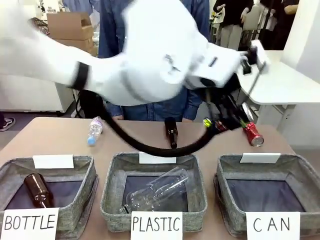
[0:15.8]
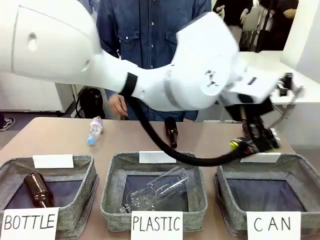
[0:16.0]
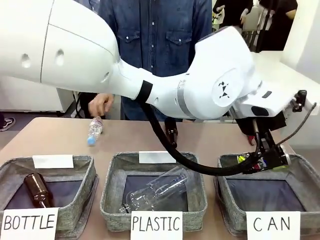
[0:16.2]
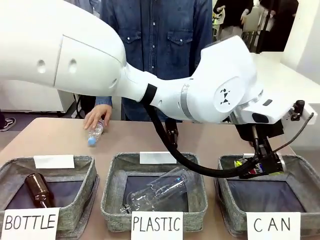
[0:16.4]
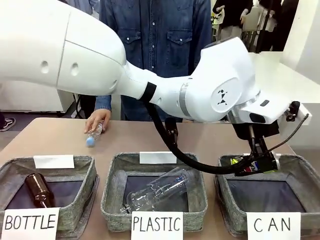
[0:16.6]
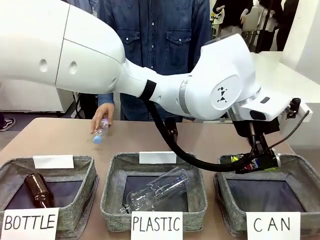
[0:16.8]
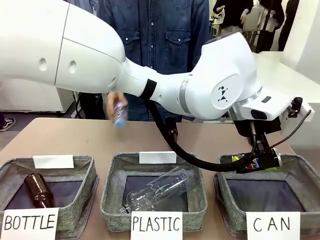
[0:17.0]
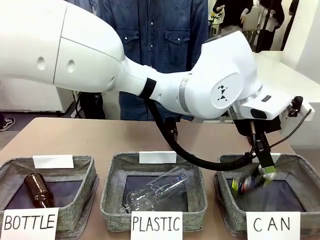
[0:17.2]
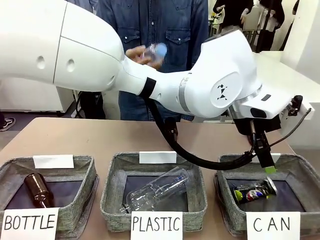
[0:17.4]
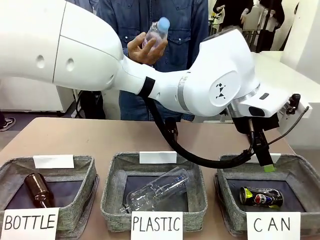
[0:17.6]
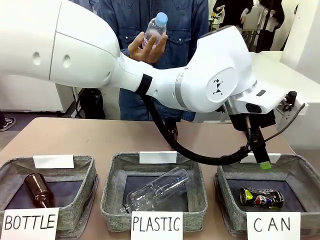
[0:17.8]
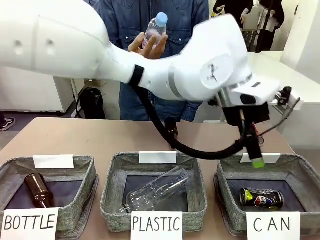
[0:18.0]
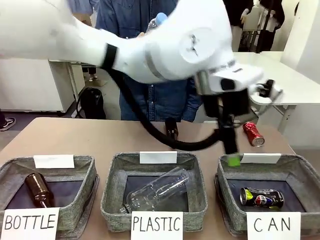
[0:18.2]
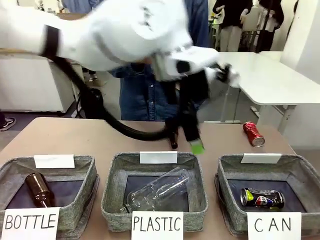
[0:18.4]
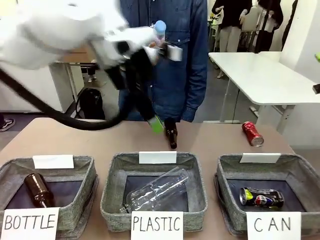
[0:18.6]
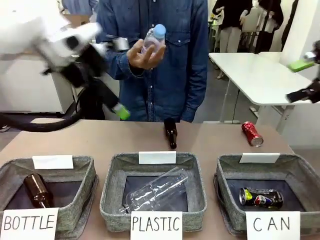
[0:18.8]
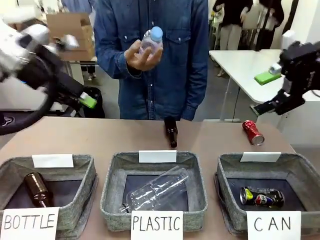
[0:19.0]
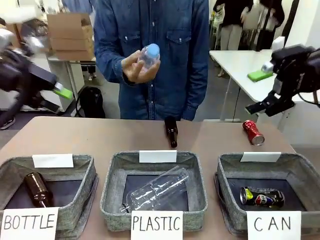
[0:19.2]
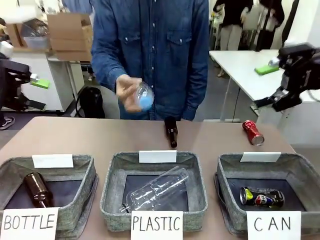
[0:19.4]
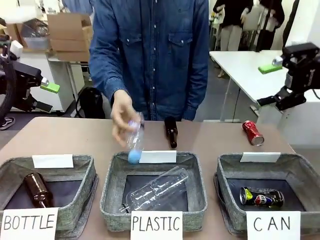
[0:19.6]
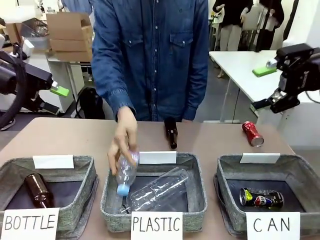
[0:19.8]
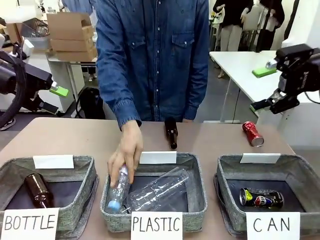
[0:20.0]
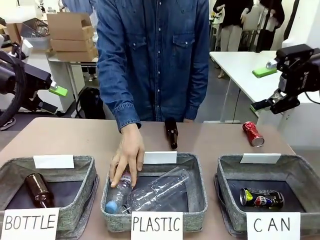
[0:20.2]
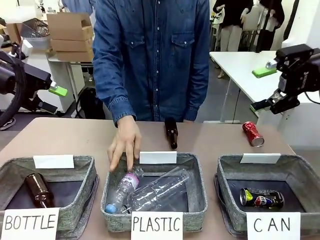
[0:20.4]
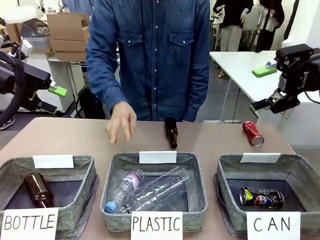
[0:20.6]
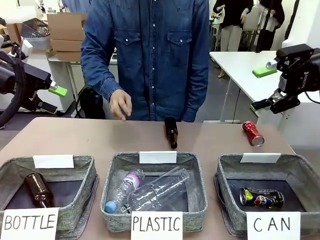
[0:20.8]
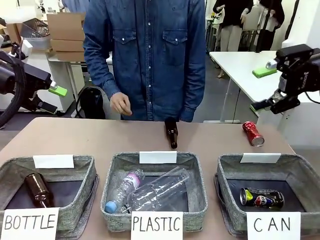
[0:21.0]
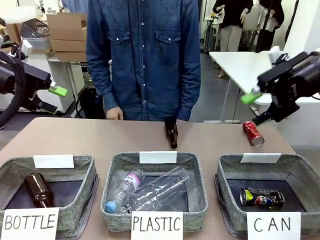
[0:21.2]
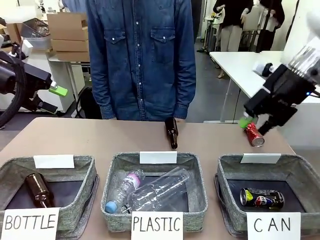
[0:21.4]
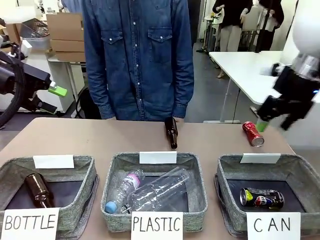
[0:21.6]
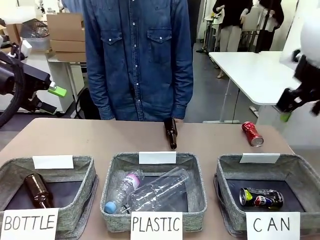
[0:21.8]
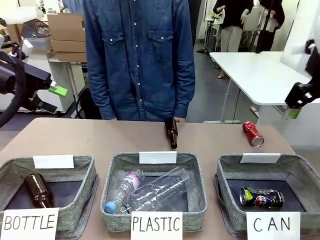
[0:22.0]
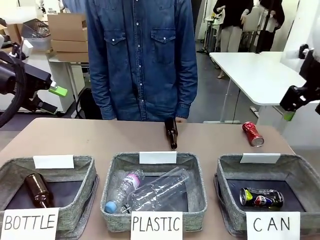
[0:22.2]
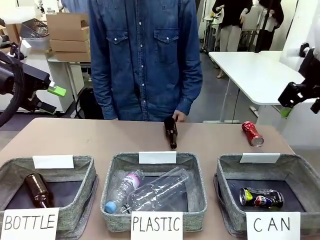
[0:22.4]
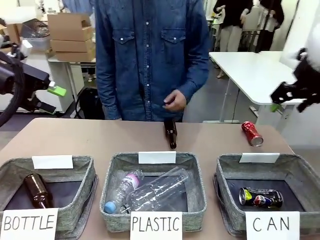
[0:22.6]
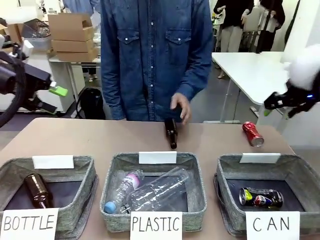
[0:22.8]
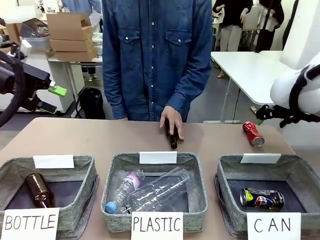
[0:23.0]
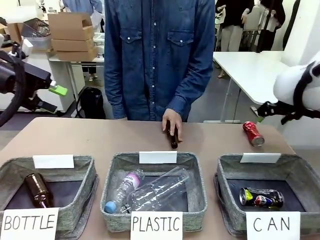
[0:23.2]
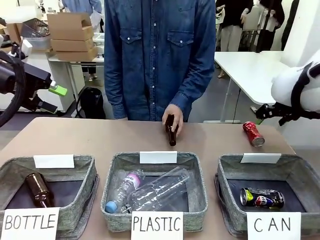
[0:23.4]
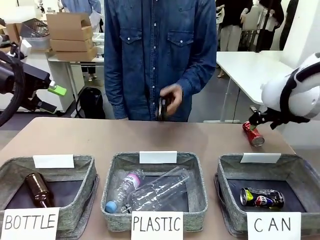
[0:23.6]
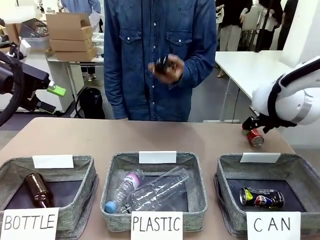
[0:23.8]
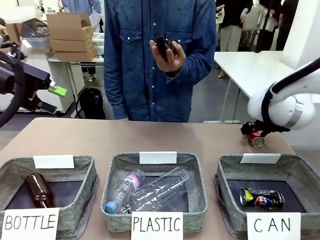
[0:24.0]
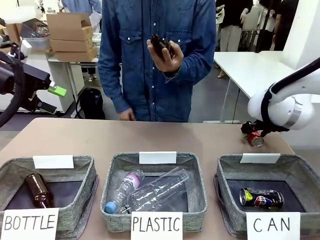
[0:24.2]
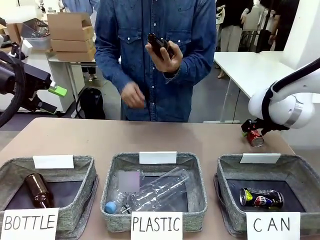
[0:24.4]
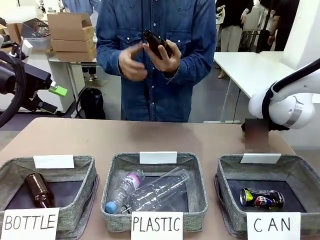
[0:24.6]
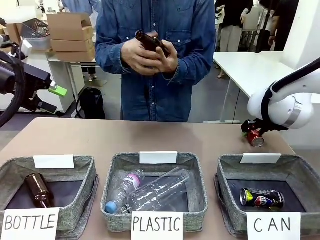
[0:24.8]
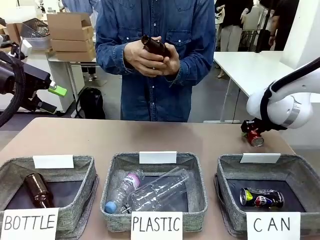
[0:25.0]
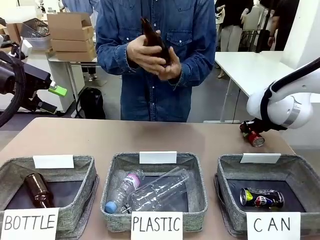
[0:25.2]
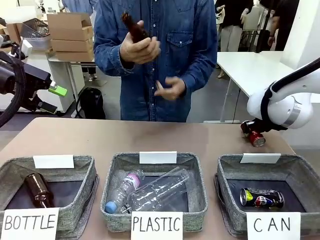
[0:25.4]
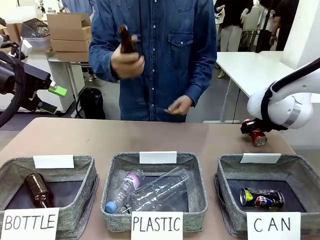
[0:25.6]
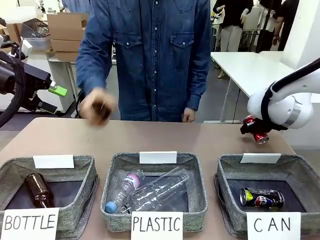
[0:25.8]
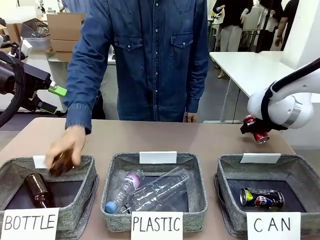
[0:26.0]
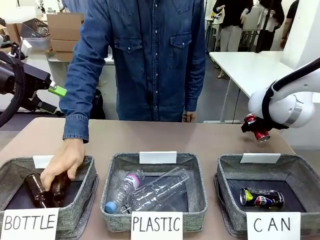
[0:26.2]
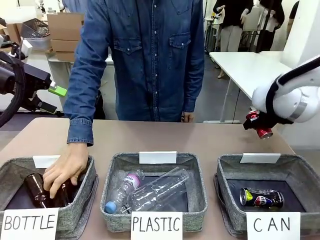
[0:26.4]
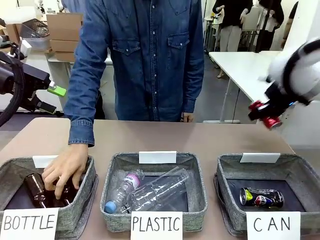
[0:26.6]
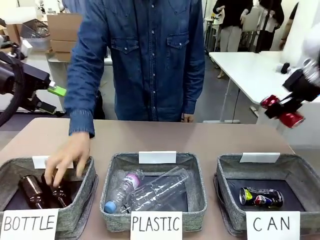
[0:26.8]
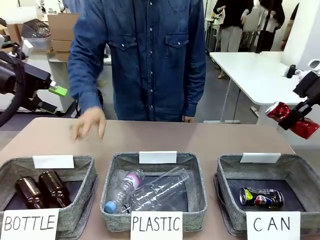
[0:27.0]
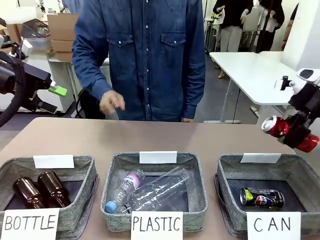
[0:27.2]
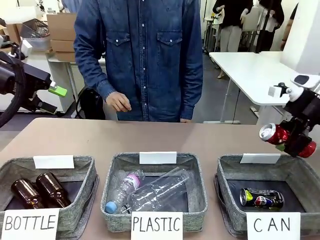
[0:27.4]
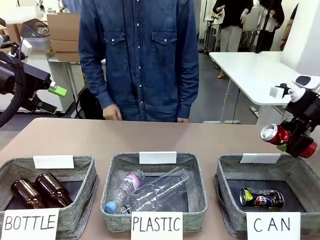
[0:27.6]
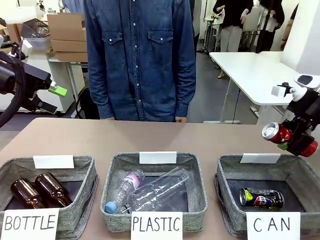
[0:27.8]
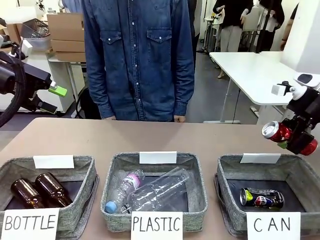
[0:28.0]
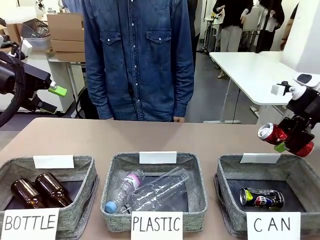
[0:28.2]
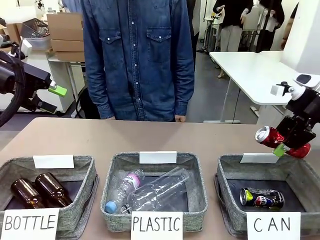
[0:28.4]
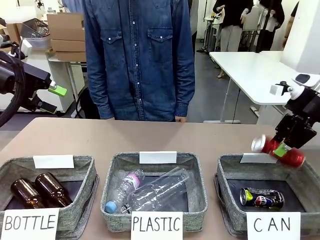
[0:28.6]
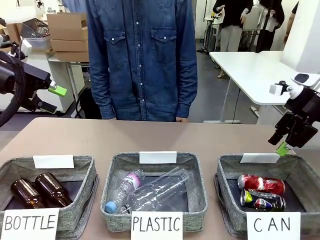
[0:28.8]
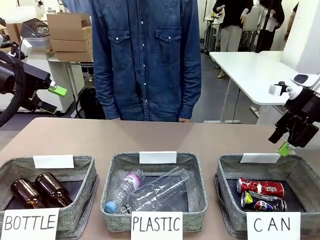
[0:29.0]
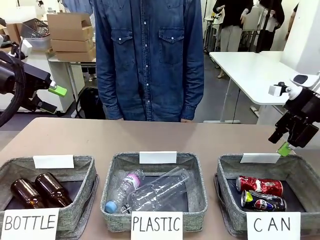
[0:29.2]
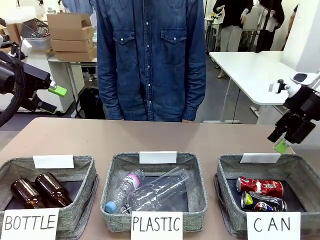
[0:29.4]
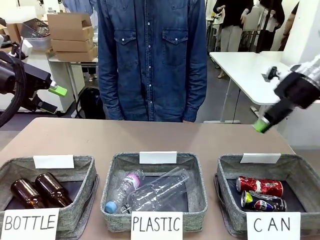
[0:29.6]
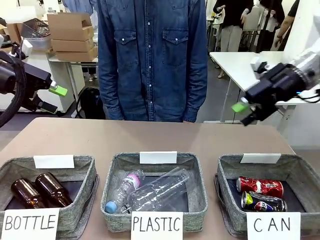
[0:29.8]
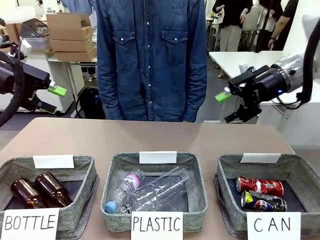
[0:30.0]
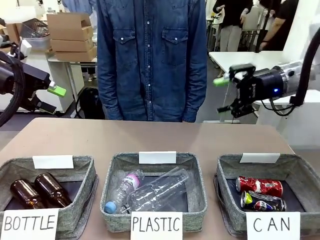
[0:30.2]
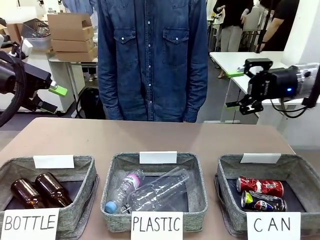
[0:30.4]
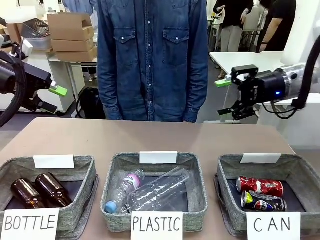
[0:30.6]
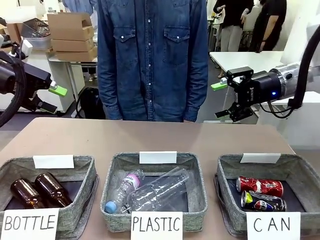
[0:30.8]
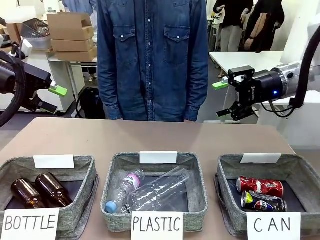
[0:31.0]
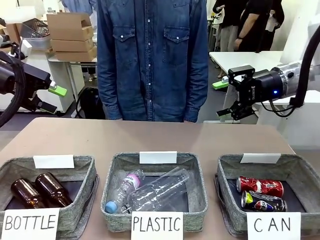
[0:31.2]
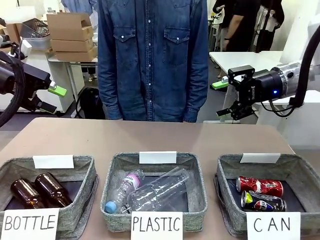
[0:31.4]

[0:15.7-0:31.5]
Task: Sort the can waste into the basket.
Robot: Pick up the can waste from the table and place it in the right Fabric basket.
Person: The human picks up one piece of trash that is not a can and places the trash into the appropriate organizing basket.
